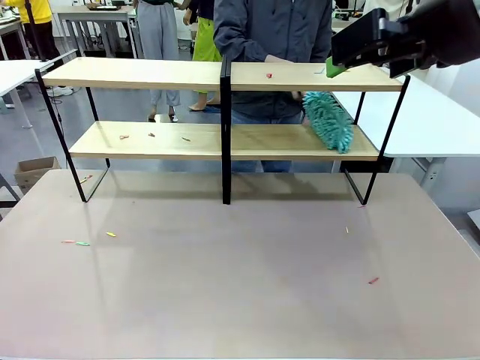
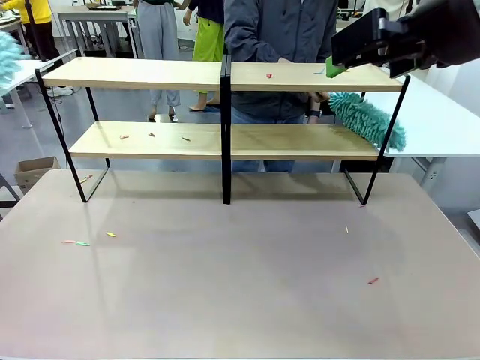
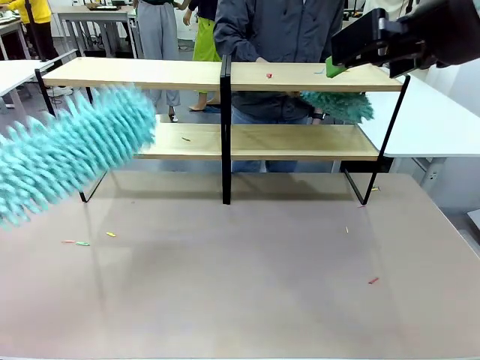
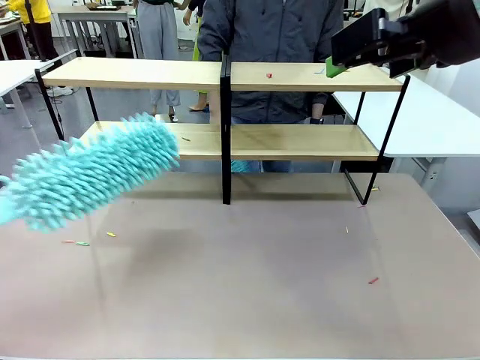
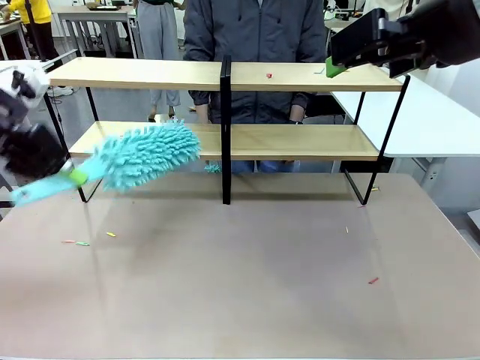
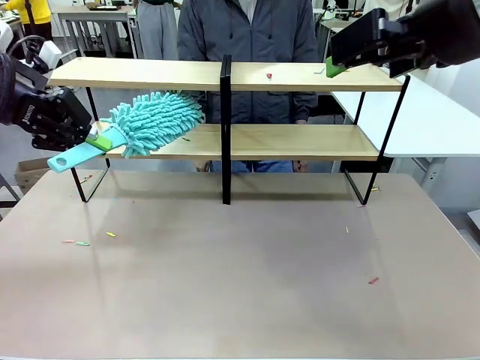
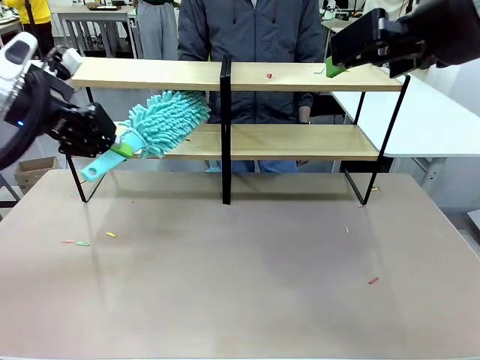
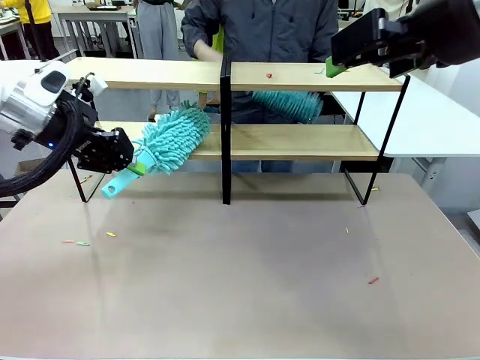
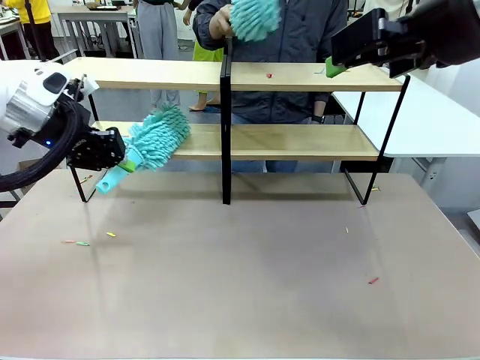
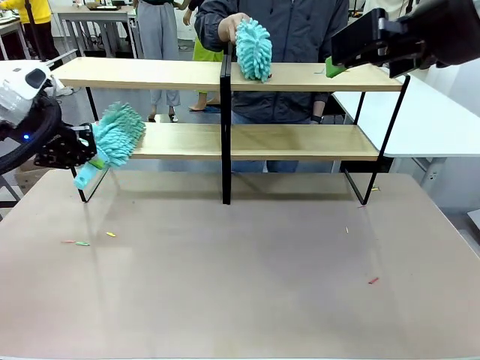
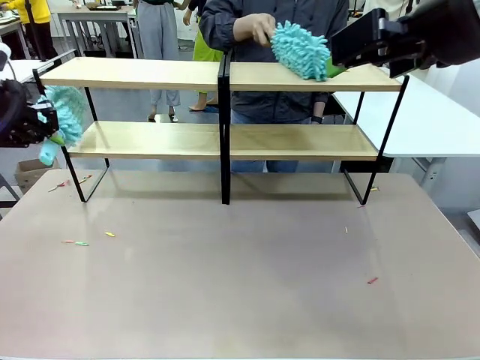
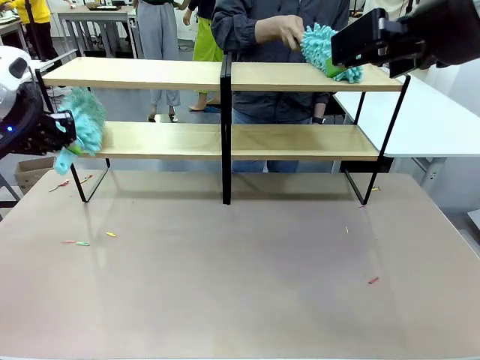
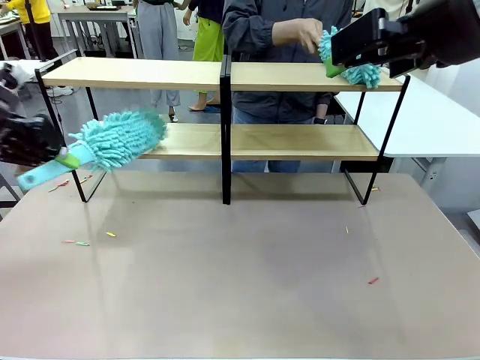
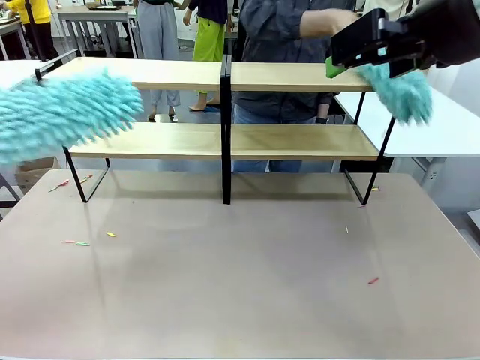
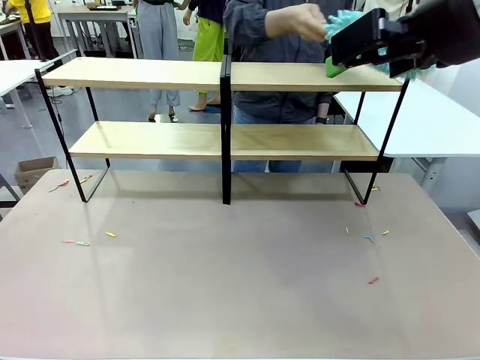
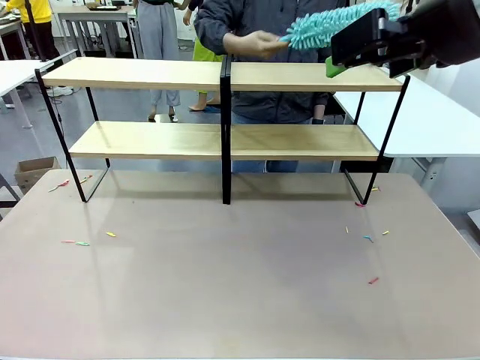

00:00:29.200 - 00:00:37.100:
Task: Clean the shelves.
Robot: Clean another randomly selected level of the Shelf with the Duster.

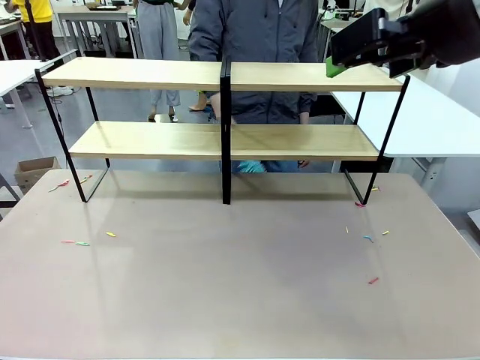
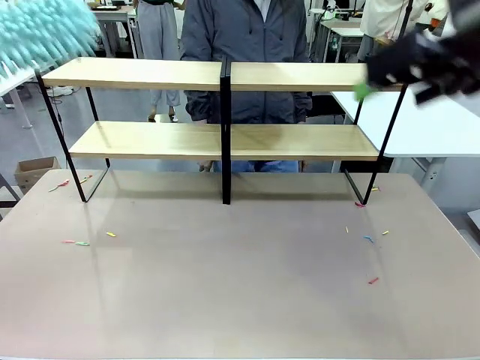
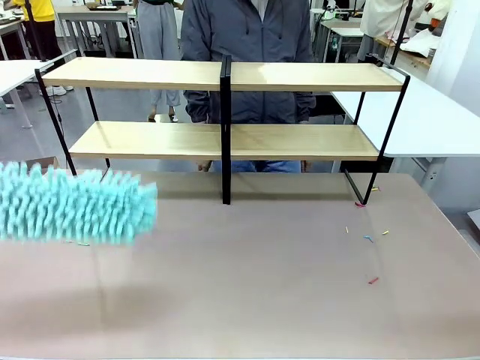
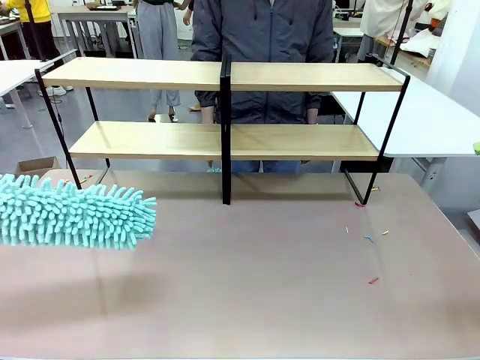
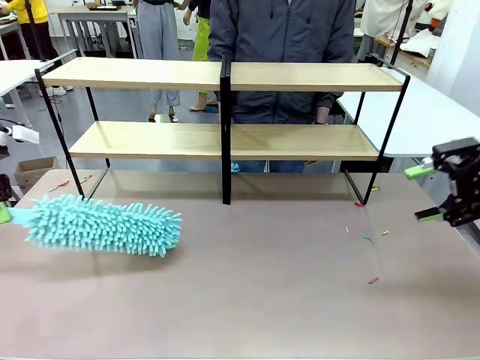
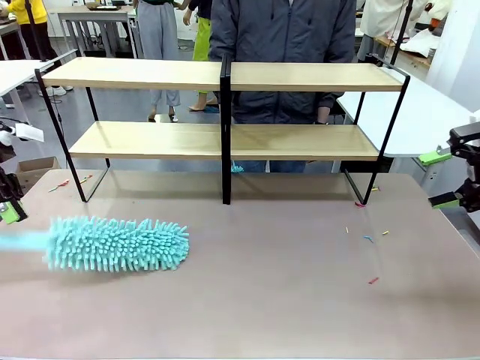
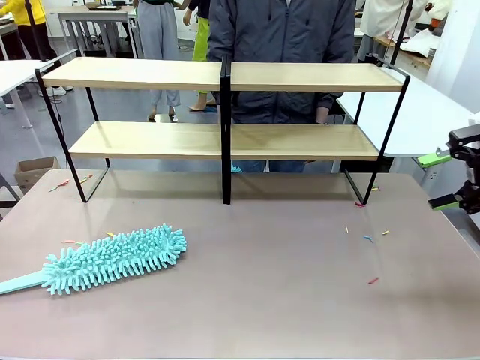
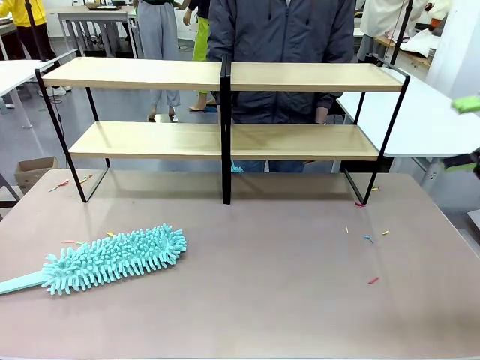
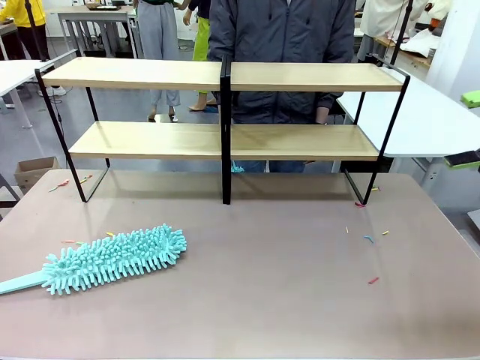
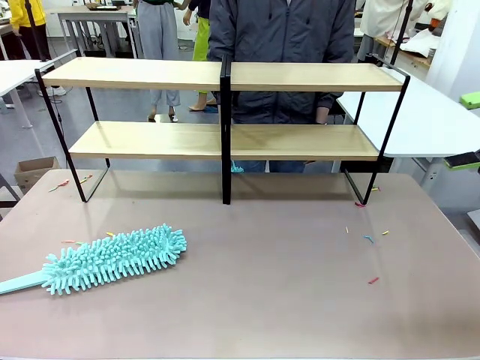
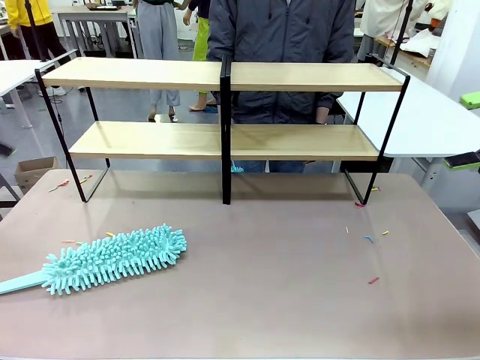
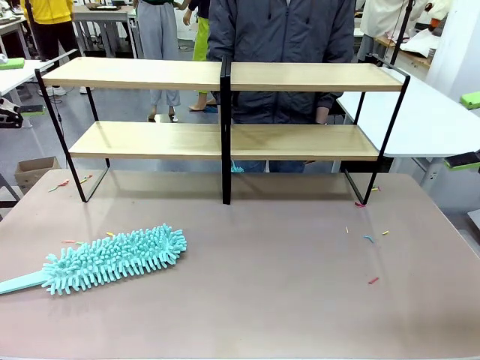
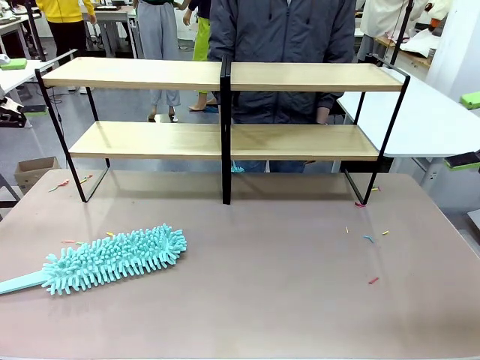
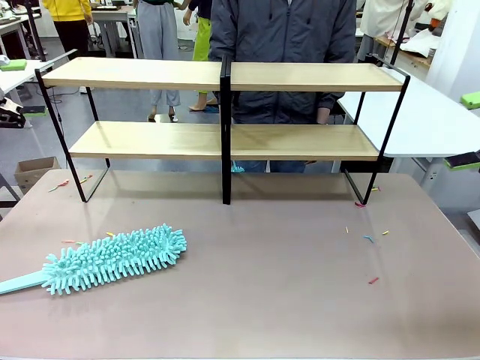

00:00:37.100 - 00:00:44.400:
Robot: Place the Duster on the table.

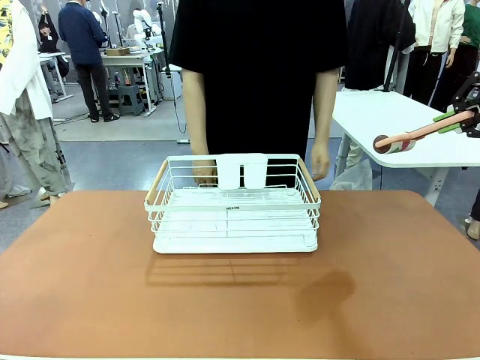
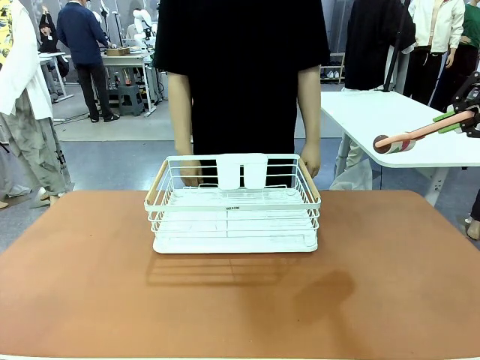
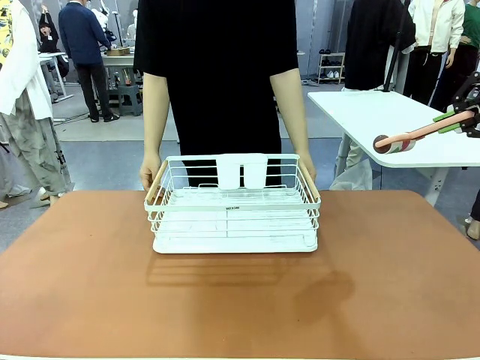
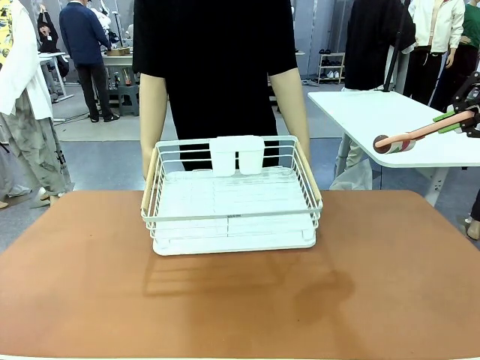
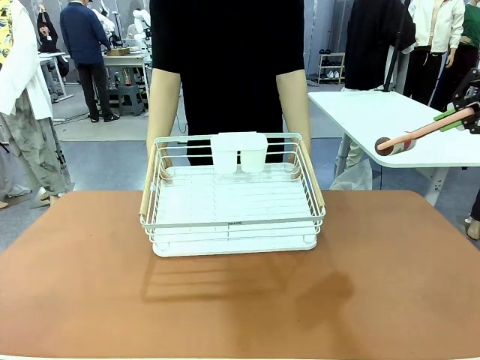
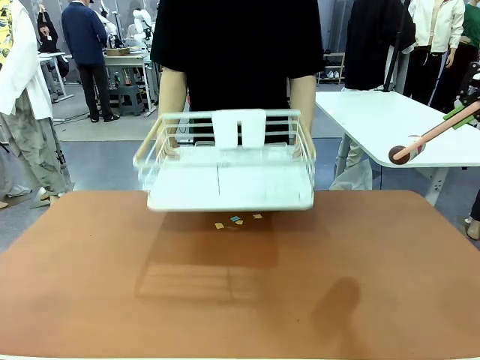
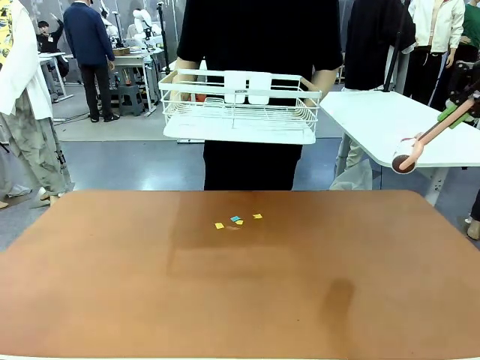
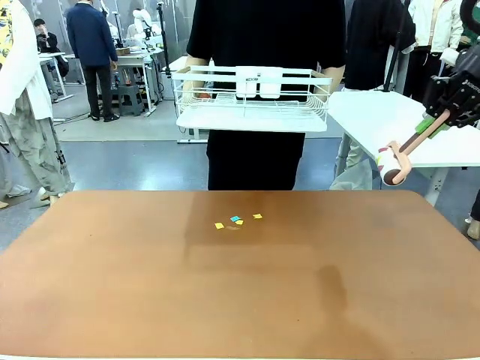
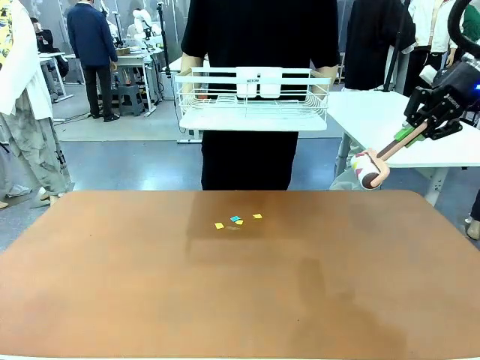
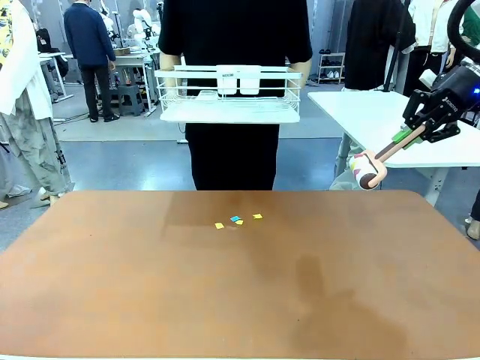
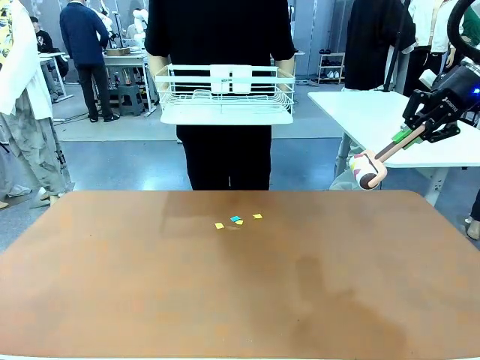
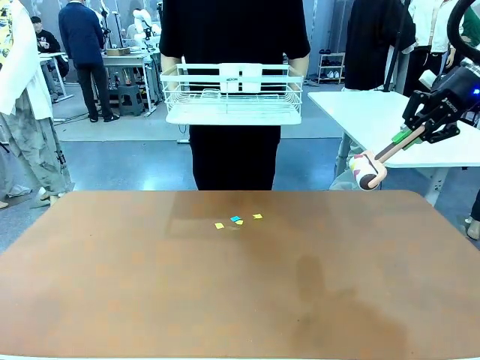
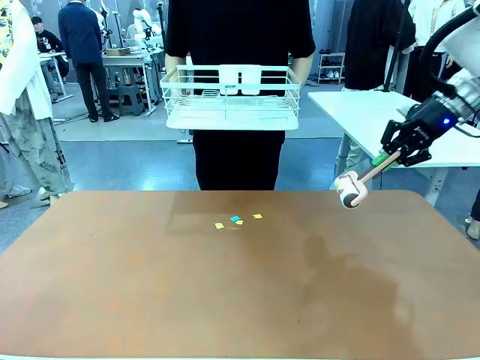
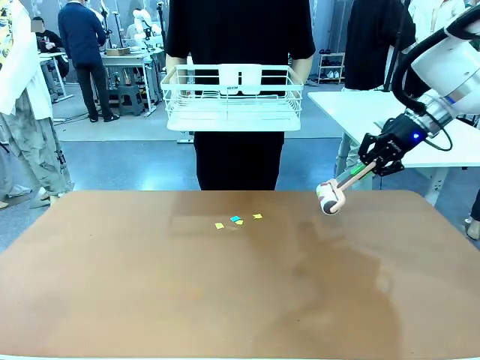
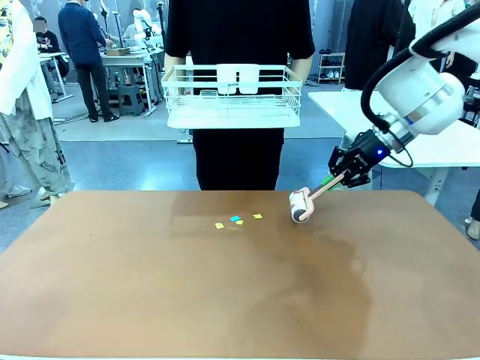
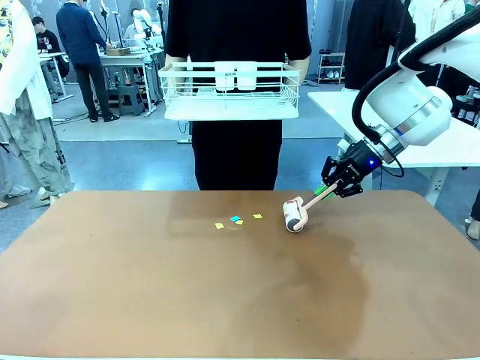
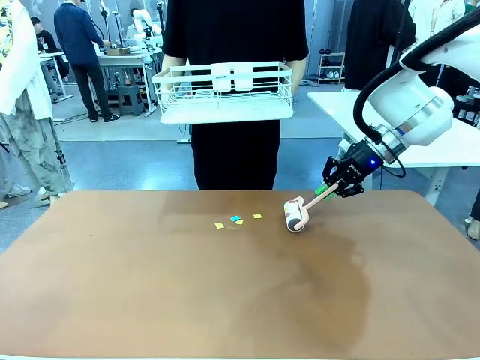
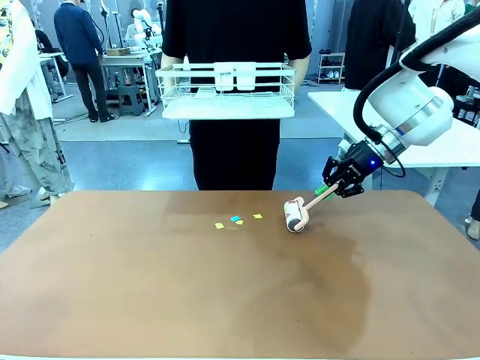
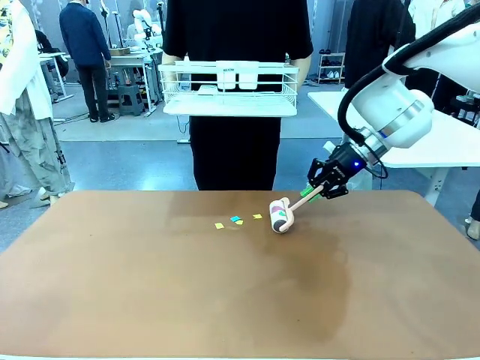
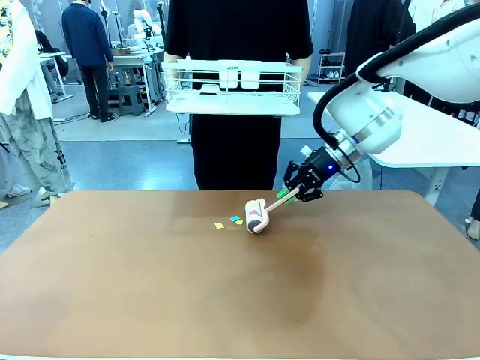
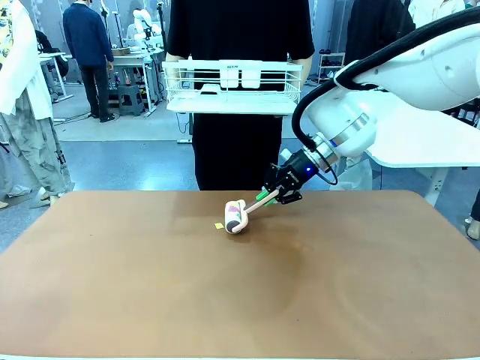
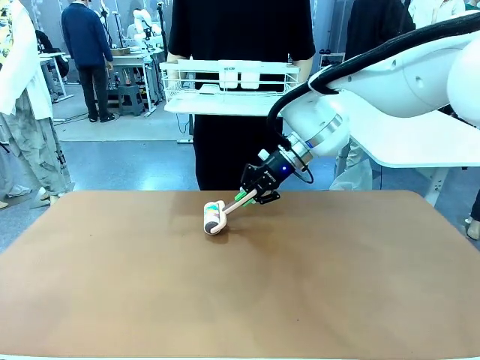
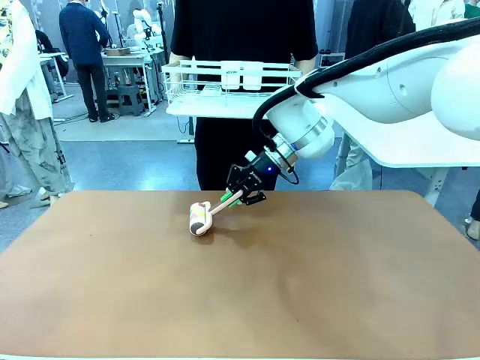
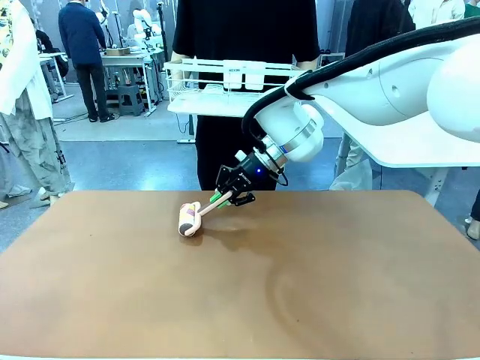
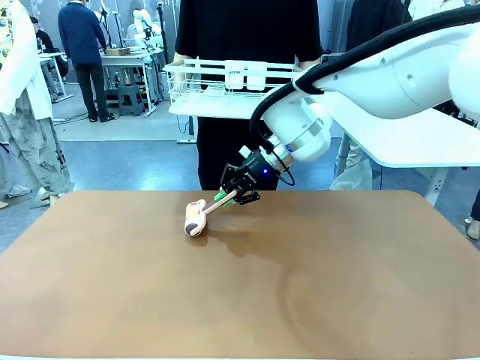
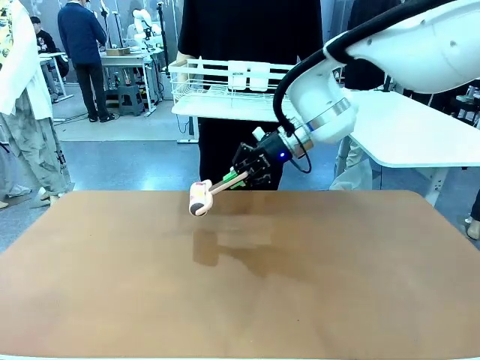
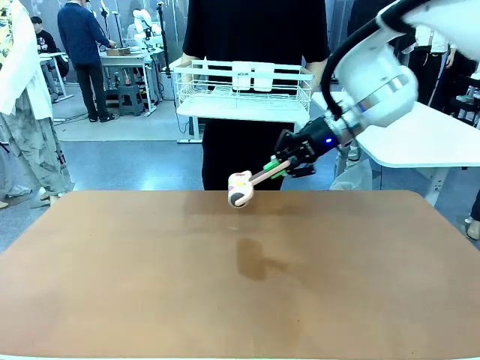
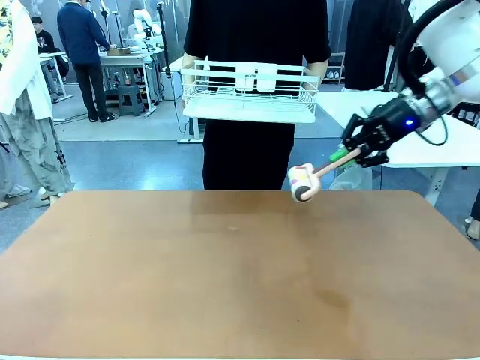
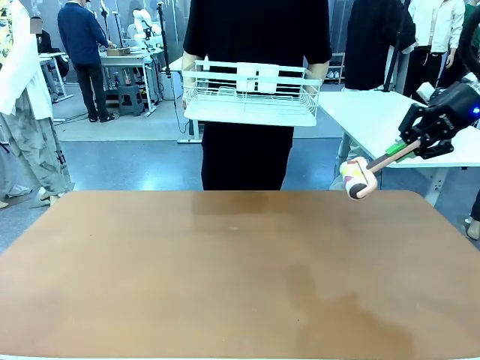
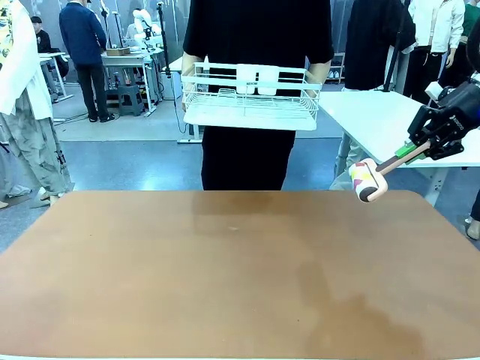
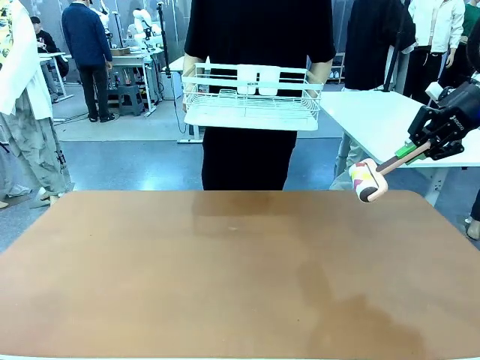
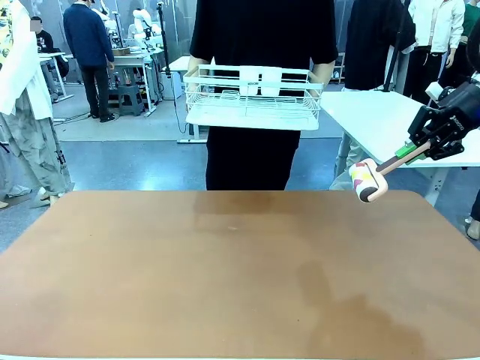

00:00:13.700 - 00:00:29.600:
Task: Clean the table.
Robot: Clean the table with the Lint Roller when the human lifts the Dish drying rack.
Person: Place the Dish drying rack down when the robot finishes cleaning.
